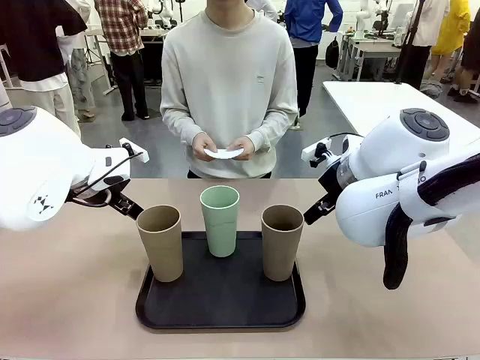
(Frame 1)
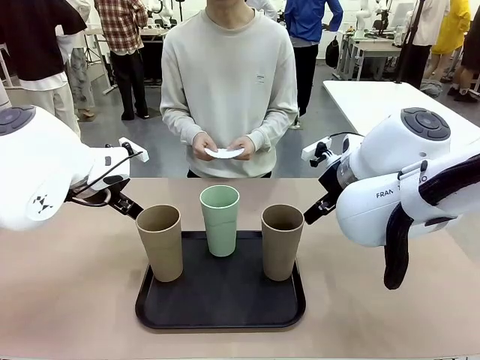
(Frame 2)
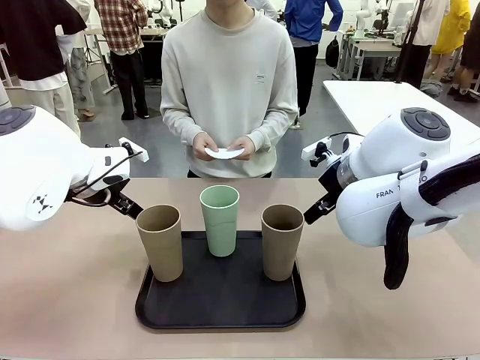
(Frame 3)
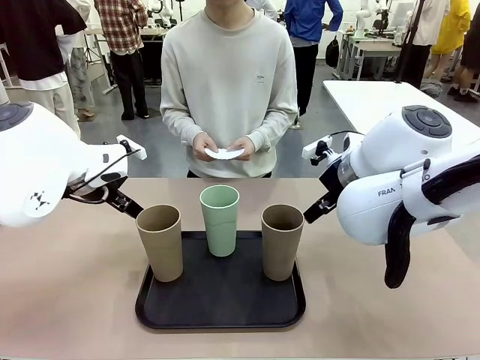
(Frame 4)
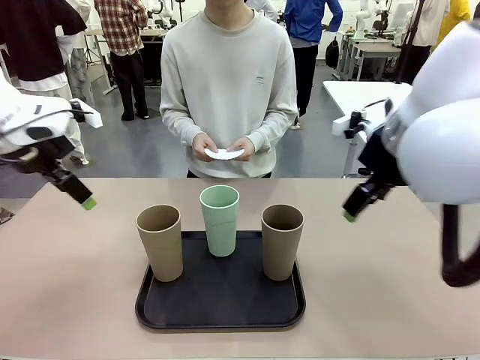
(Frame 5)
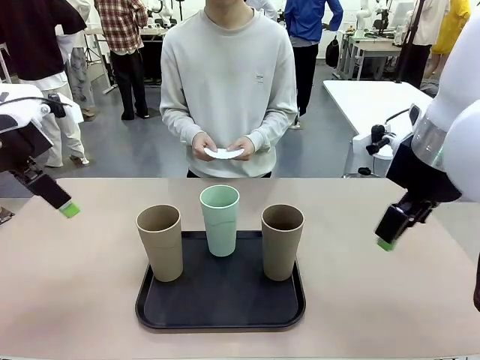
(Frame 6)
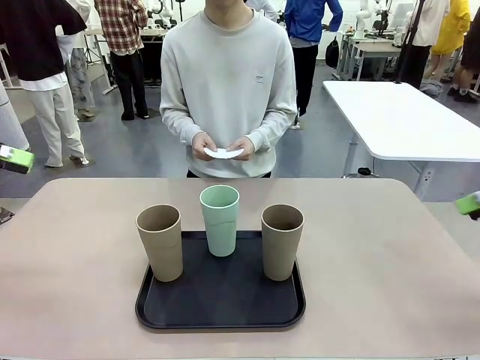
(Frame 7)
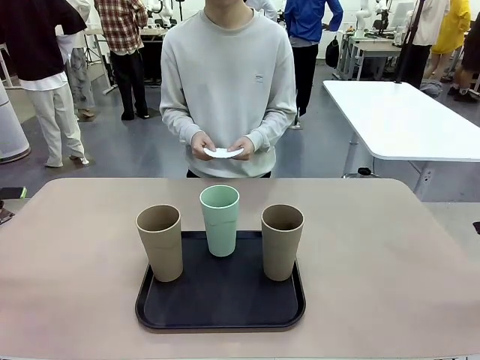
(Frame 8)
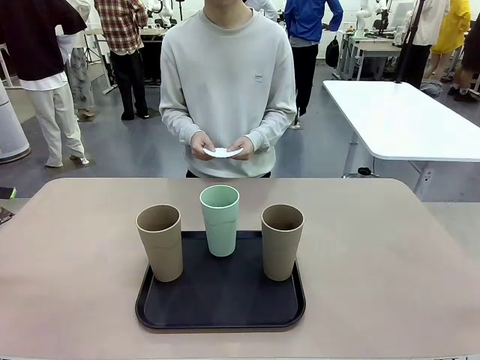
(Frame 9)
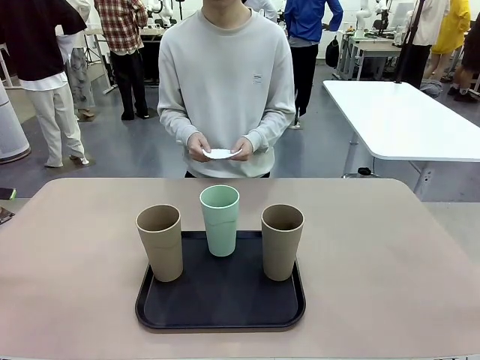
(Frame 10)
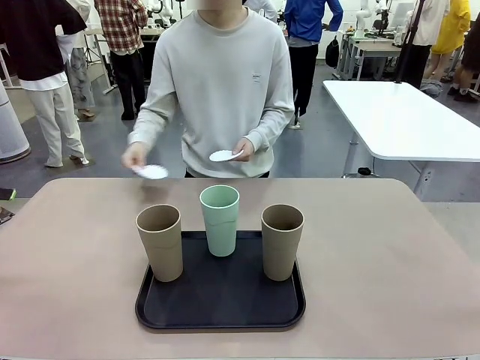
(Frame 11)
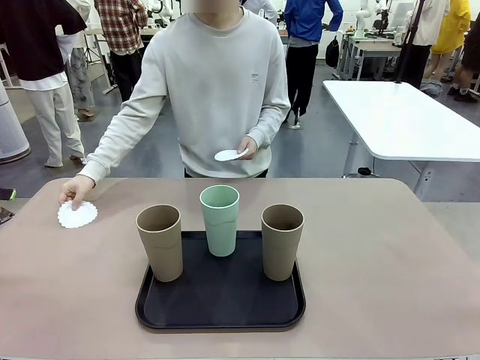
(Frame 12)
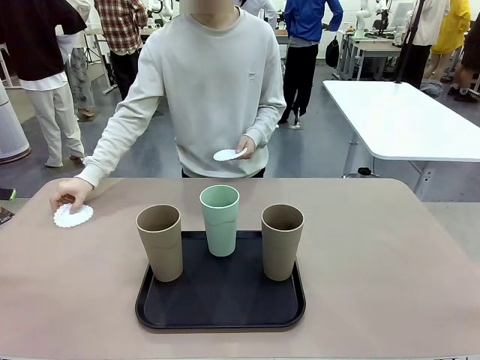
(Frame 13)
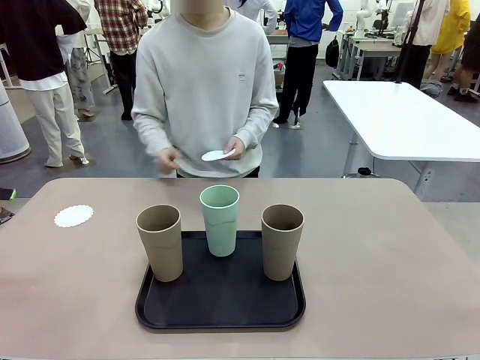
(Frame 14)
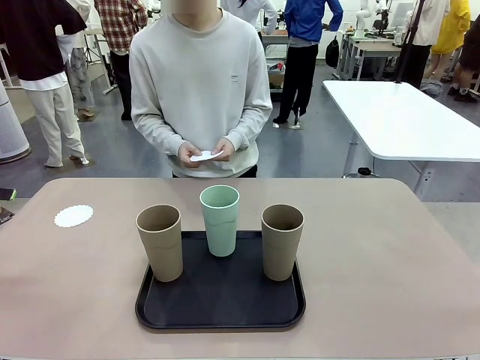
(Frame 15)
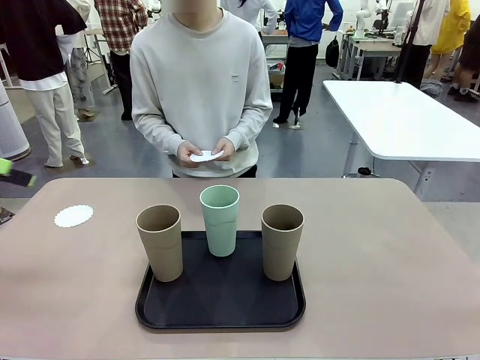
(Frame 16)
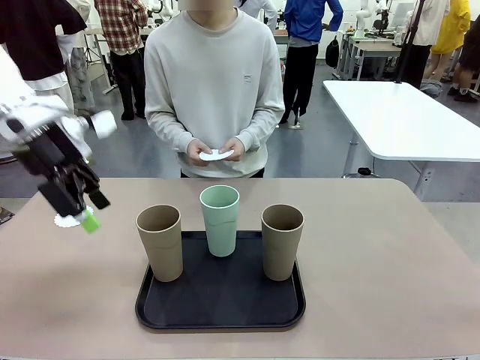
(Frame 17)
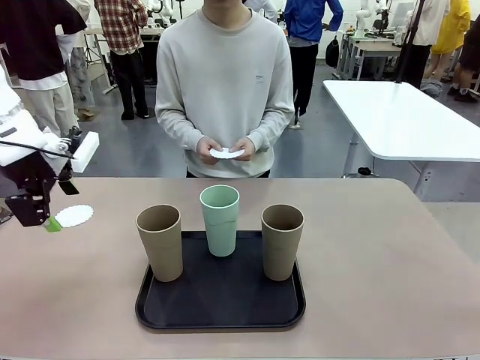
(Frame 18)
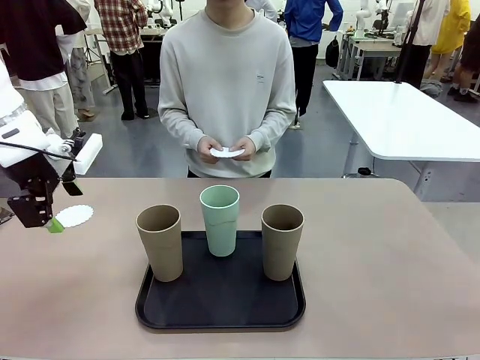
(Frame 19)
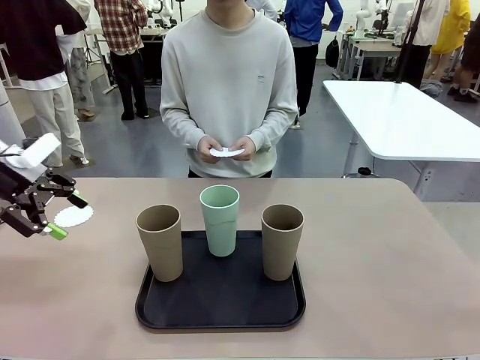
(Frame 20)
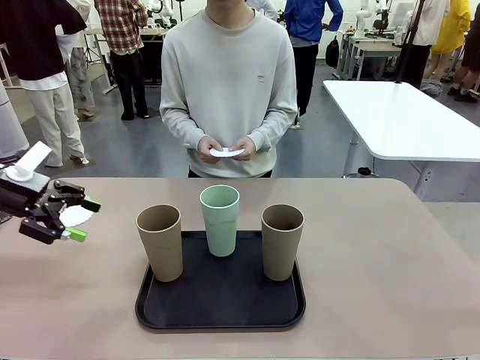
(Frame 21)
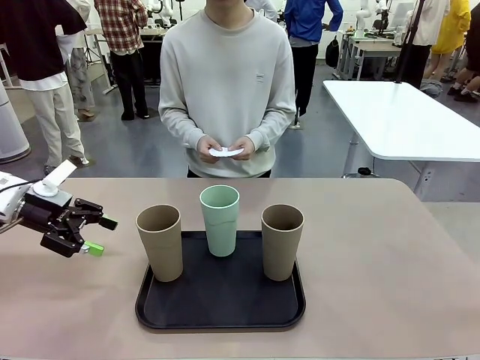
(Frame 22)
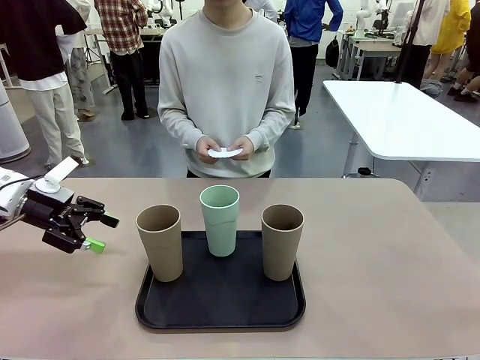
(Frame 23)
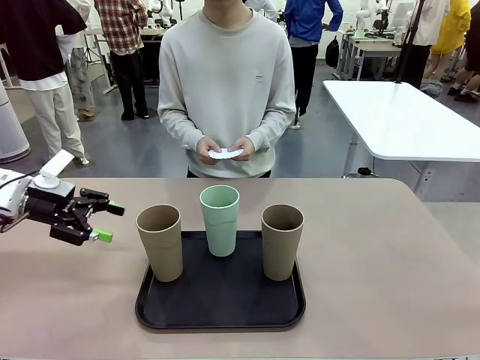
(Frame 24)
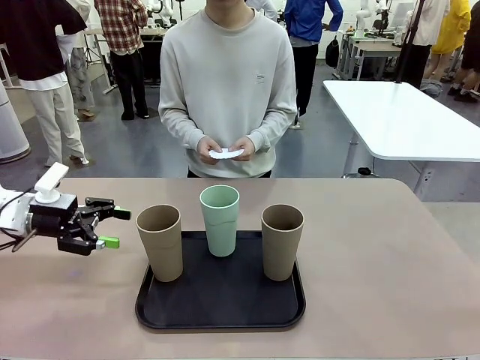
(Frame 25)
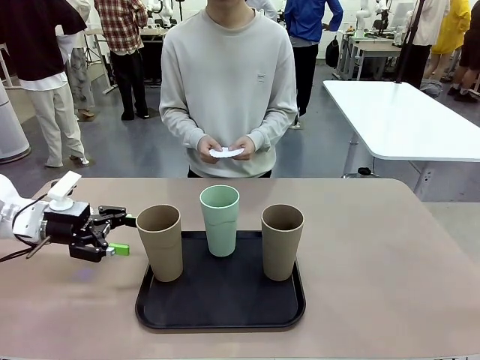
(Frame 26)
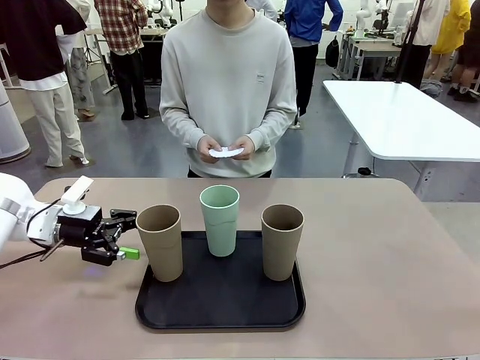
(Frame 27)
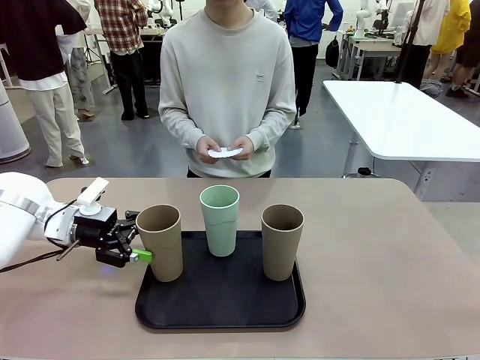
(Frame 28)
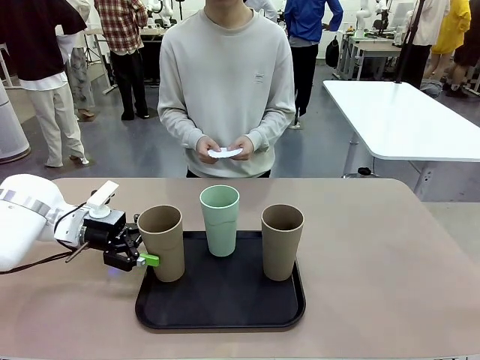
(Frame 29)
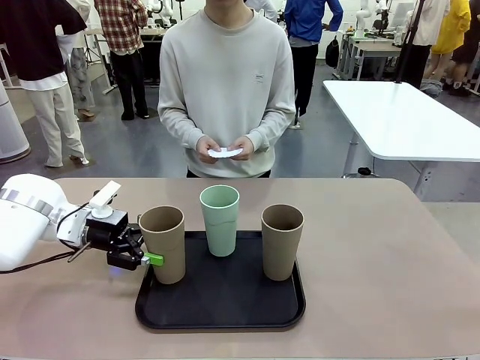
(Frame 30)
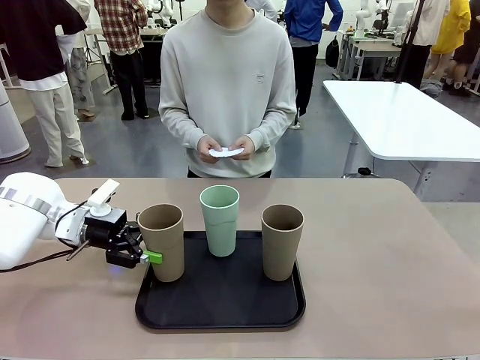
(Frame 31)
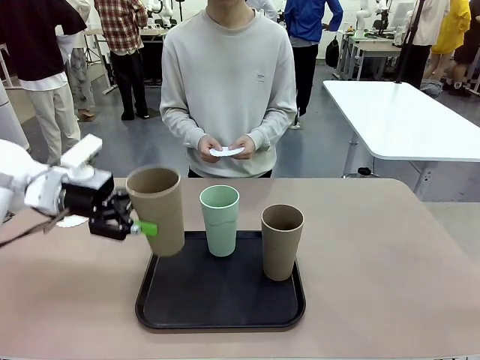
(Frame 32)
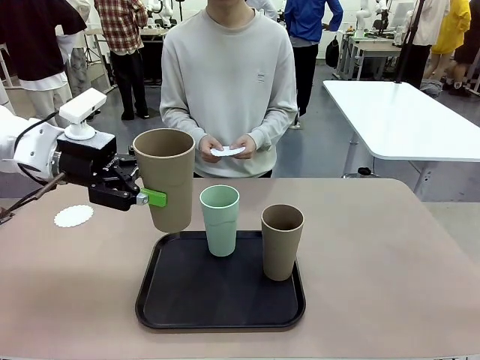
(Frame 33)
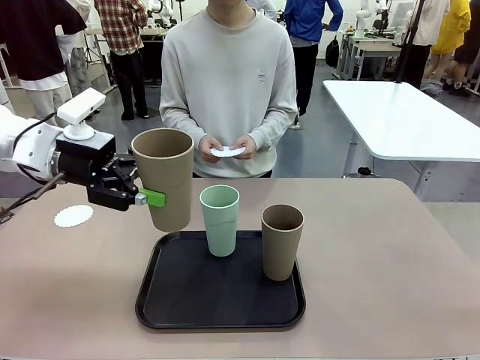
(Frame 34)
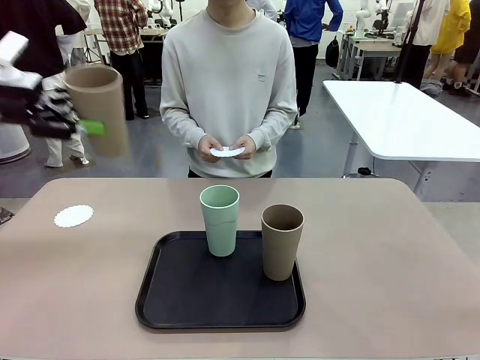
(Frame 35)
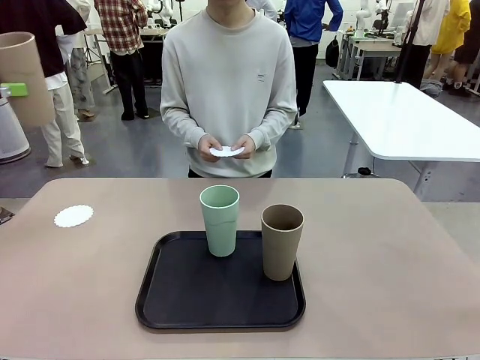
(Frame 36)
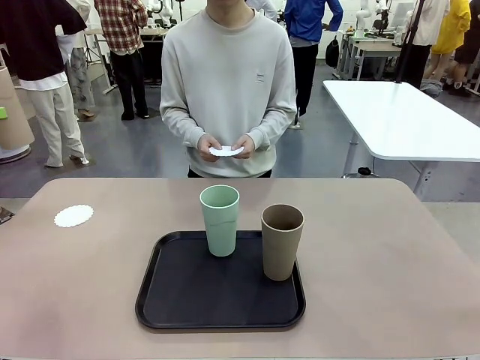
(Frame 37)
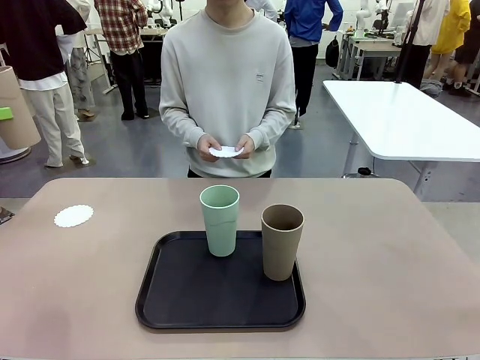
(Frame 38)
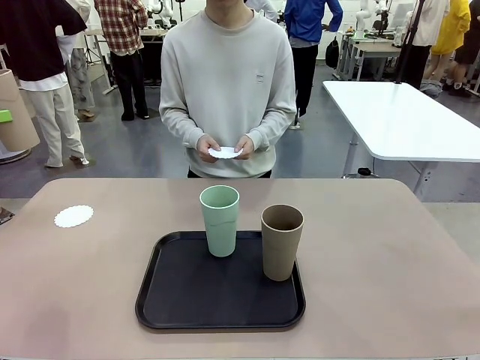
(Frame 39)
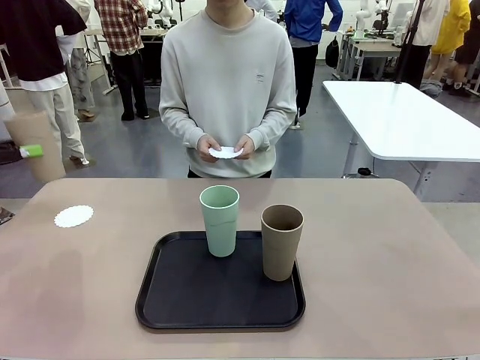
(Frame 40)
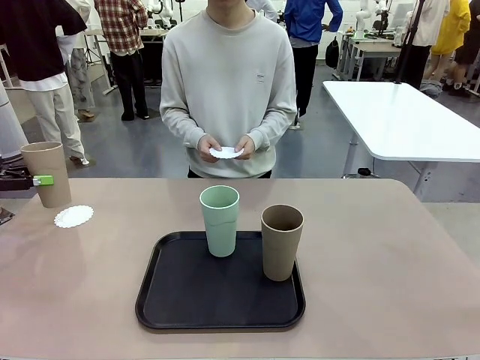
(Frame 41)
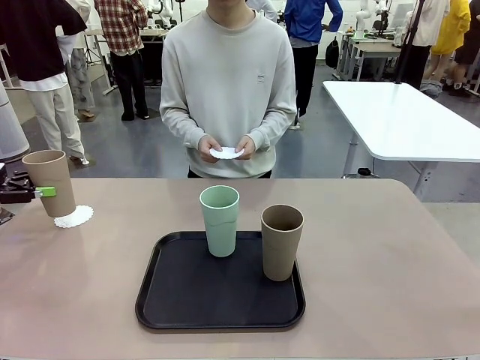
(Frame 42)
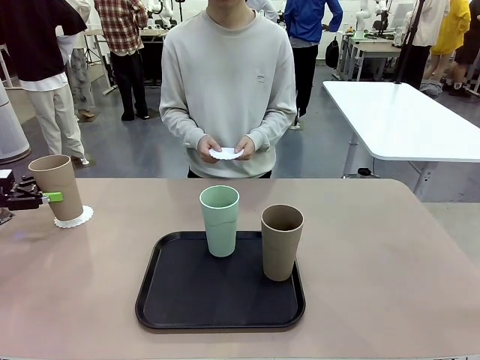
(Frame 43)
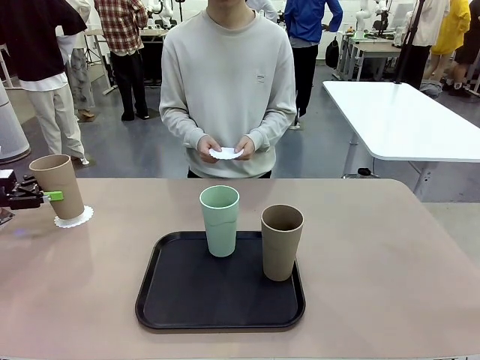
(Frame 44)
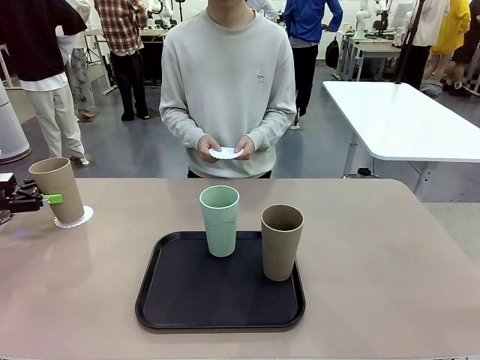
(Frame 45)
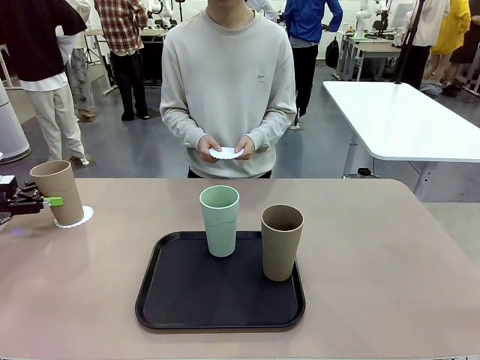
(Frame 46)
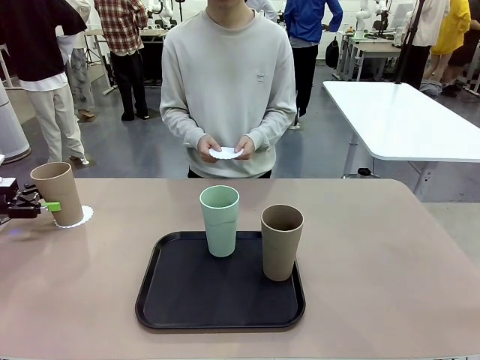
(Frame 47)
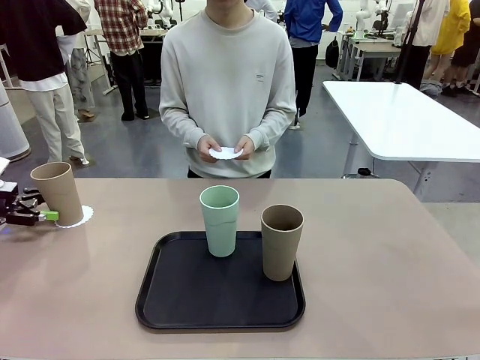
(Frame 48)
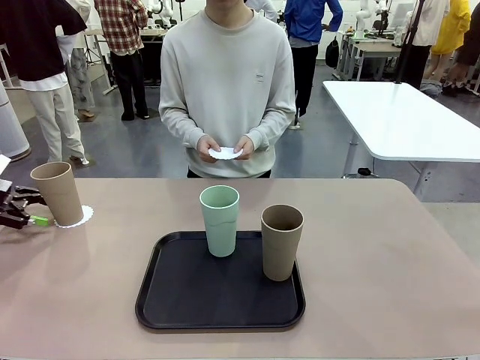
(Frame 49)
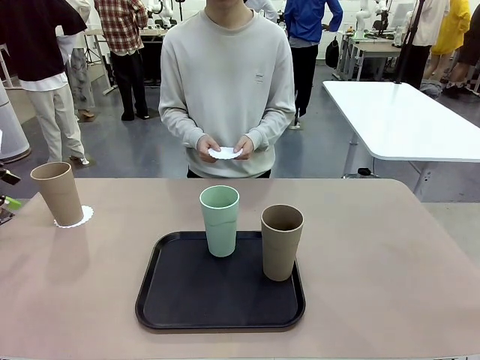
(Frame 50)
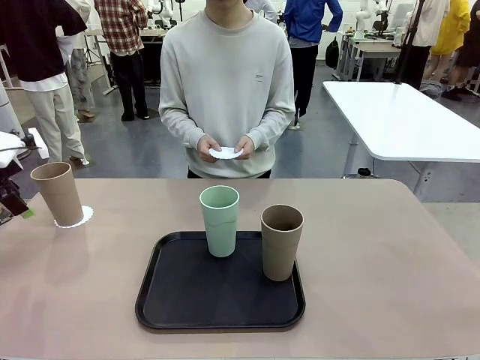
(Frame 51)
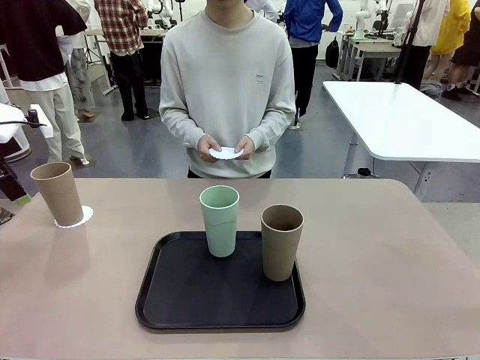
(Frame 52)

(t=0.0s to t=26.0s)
Task: Place coasters on the table and set cups on them.
Robot: Pick up one Reusable plastic cup and place it on a coaster set by the human.
Person: Place one coaster in any one of the three lower areas of the robot table (left, center, or right). Place one coaster in one of the two areas excluding the previously selected area.
